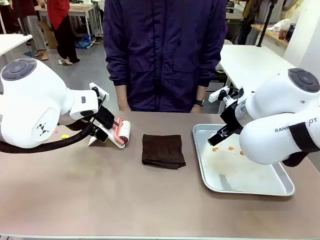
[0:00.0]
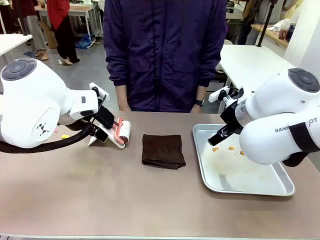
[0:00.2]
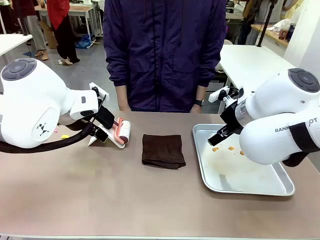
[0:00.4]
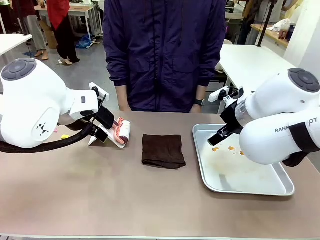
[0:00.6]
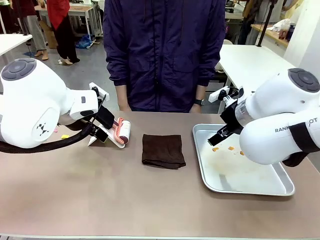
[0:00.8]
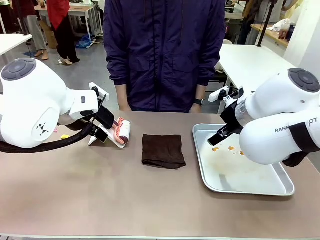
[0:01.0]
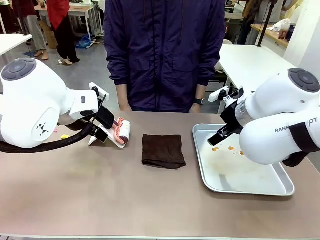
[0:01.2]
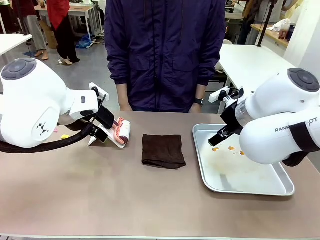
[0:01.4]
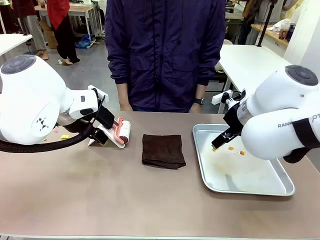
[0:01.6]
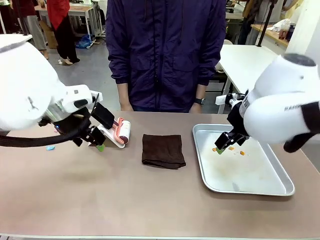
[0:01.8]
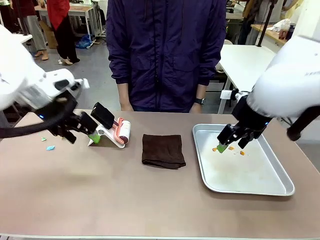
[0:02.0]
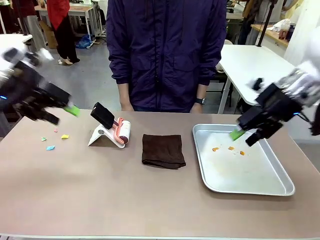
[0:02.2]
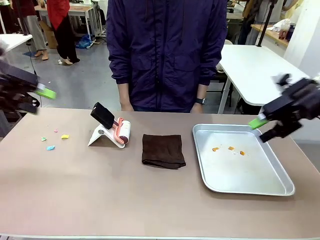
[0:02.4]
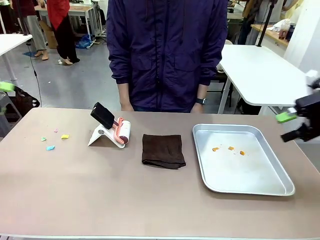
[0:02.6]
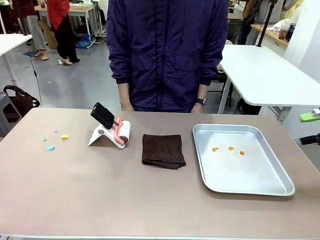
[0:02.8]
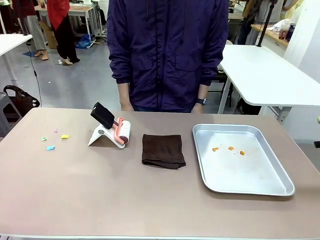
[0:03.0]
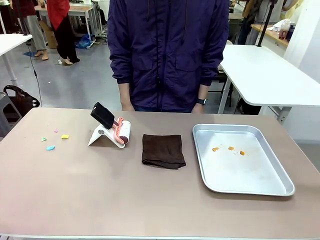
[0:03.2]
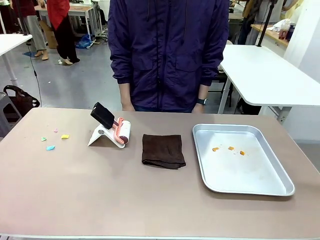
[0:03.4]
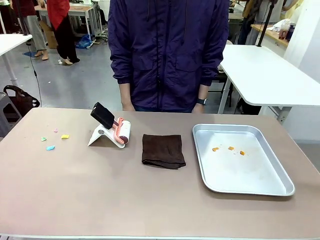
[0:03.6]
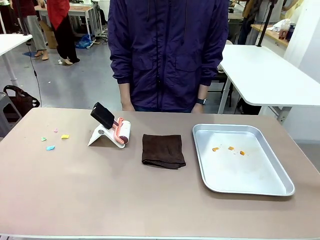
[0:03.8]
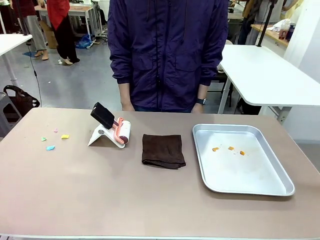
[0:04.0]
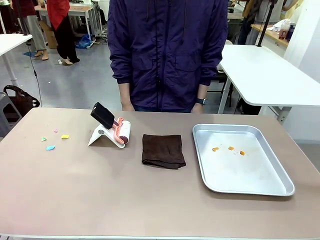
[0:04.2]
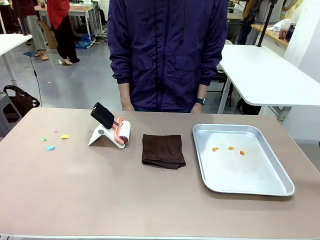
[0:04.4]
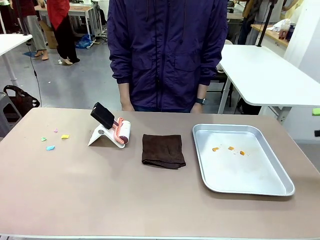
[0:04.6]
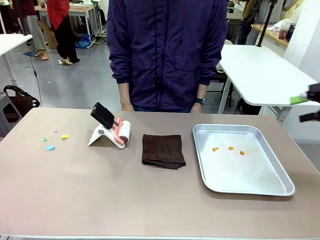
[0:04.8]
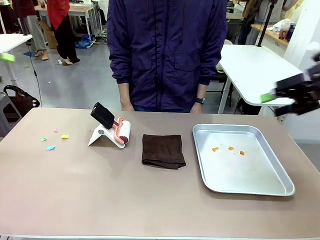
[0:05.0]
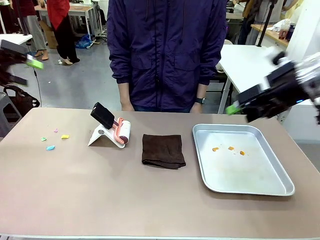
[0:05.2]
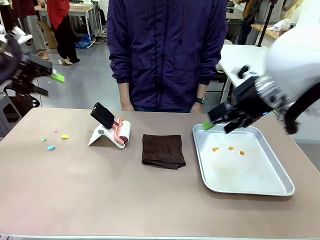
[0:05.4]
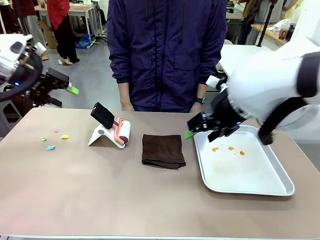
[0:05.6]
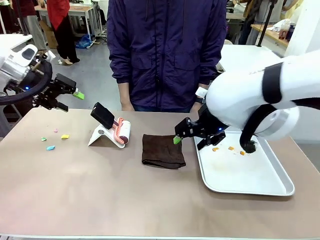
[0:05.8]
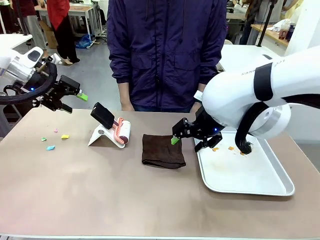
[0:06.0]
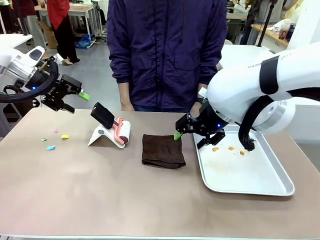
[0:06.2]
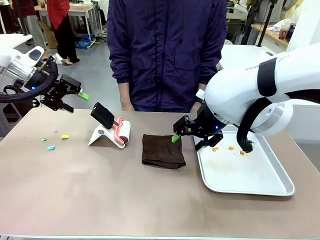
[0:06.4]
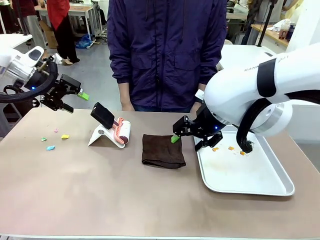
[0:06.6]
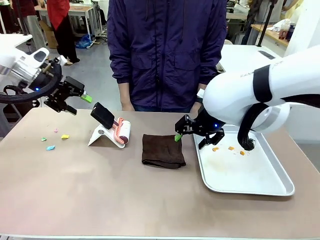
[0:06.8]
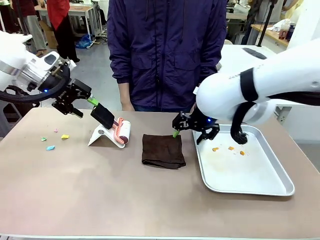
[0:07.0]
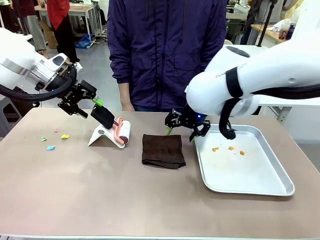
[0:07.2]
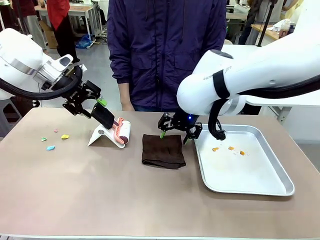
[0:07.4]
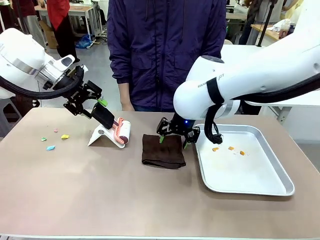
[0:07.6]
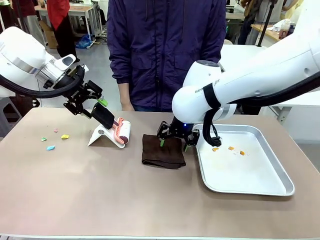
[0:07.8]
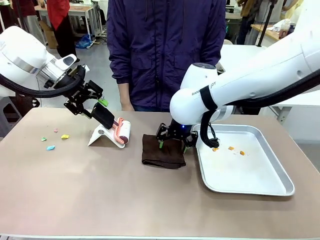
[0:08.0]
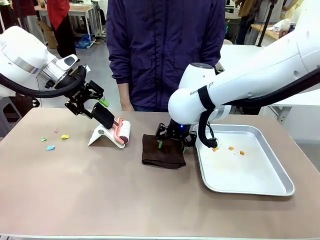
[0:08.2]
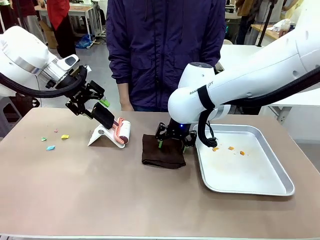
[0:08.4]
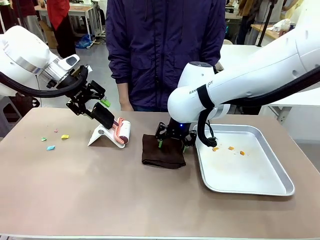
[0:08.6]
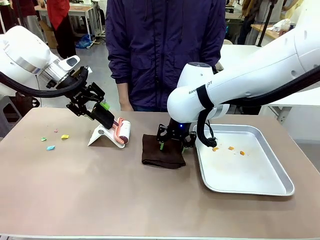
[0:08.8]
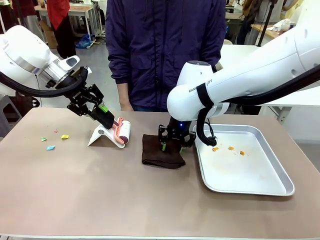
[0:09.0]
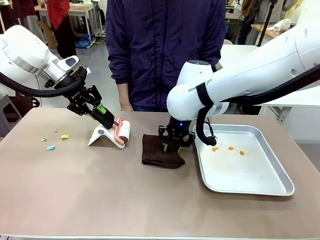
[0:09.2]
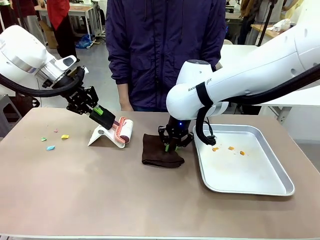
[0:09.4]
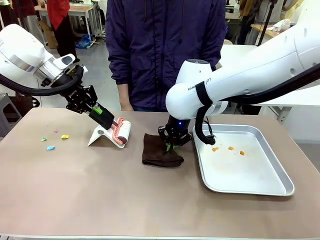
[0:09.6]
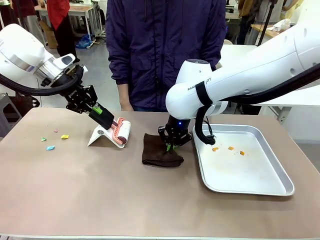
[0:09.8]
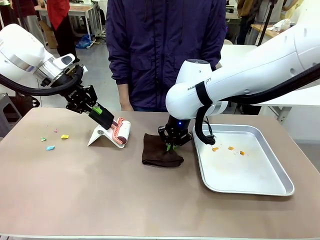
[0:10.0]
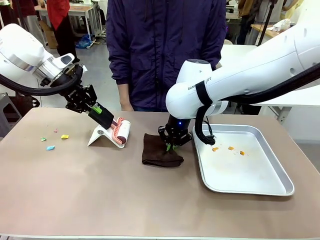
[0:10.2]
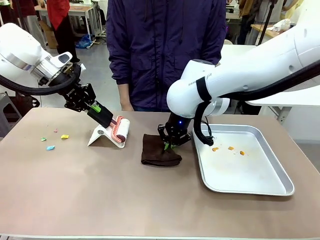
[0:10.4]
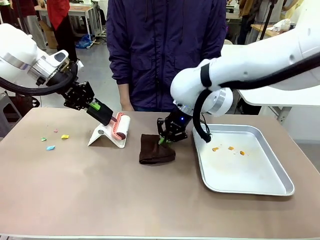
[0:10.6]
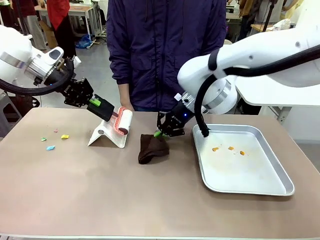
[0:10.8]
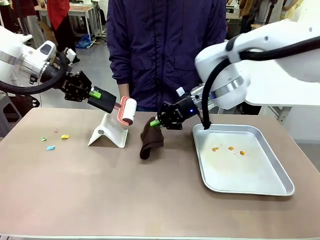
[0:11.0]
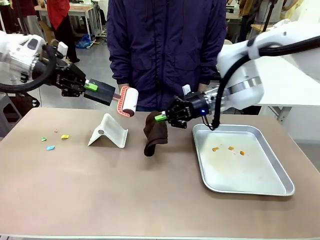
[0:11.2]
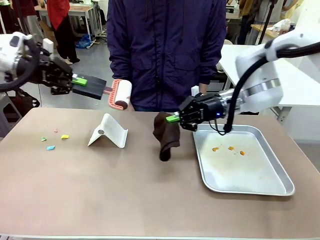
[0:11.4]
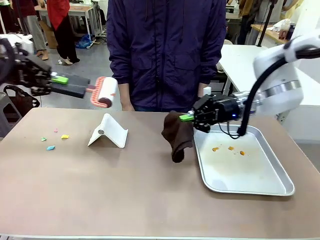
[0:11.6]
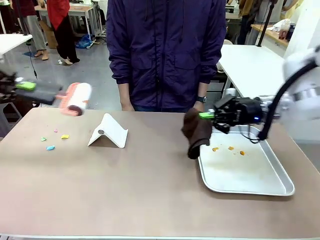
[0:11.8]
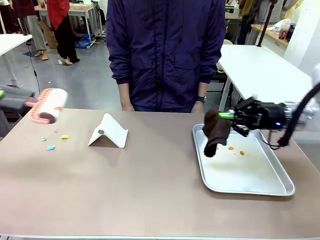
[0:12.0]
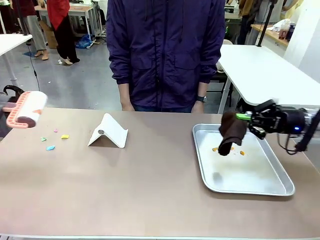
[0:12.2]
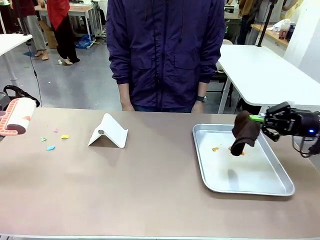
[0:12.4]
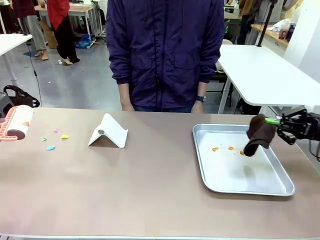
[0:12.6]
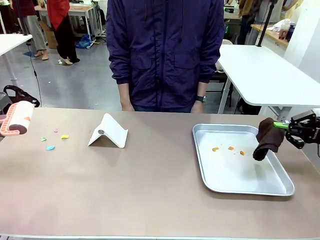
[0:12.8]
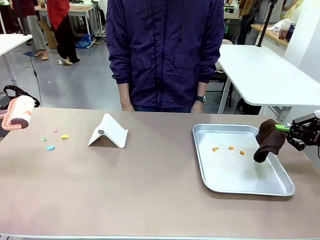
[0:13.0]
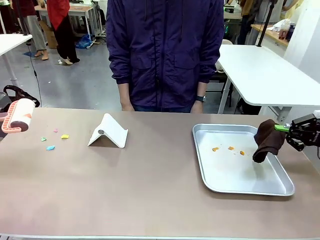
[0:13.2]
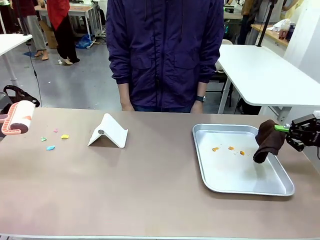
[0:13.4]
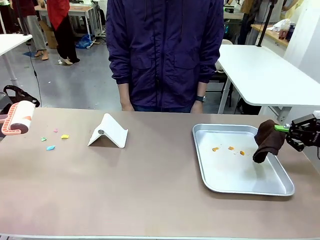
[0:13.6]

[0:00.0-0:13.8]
Task: Clean the surface of the table.
Robot: Hold the Lint Roller with your left hand and the towel with your right hand.

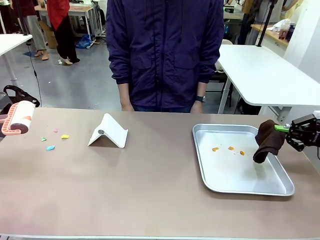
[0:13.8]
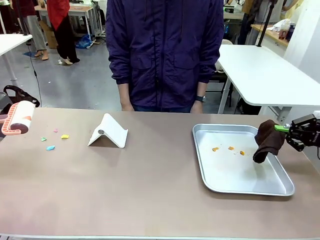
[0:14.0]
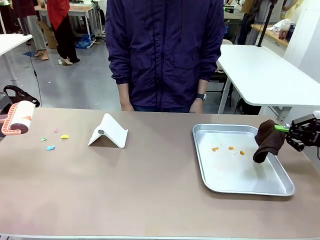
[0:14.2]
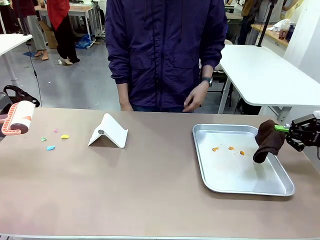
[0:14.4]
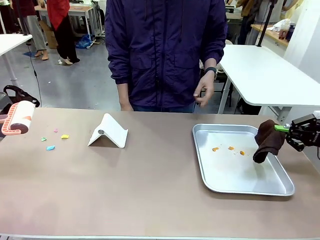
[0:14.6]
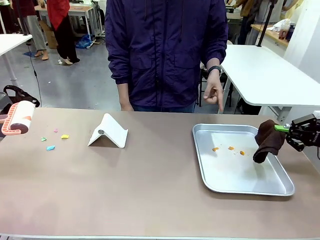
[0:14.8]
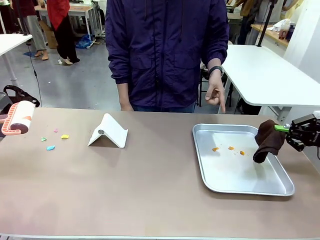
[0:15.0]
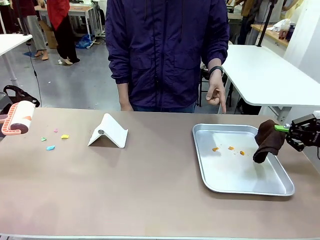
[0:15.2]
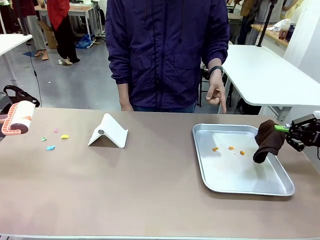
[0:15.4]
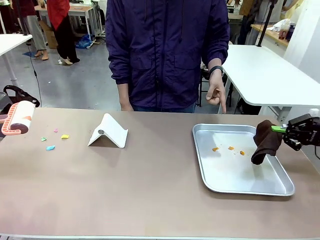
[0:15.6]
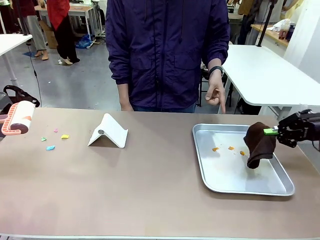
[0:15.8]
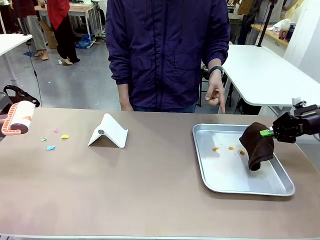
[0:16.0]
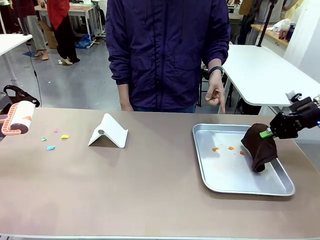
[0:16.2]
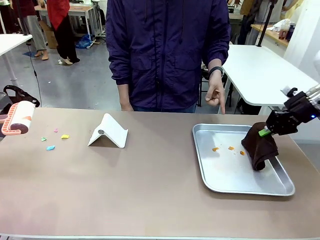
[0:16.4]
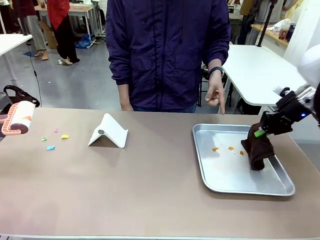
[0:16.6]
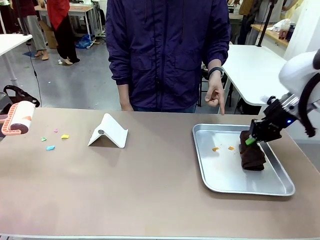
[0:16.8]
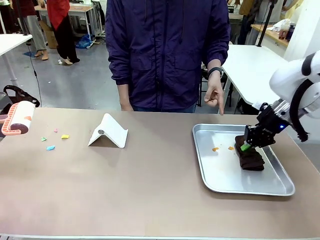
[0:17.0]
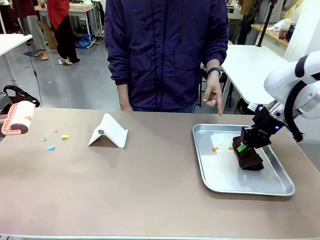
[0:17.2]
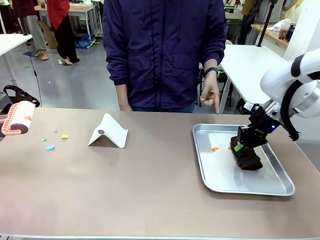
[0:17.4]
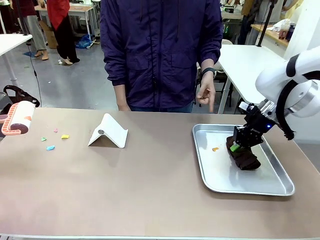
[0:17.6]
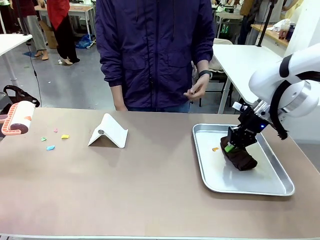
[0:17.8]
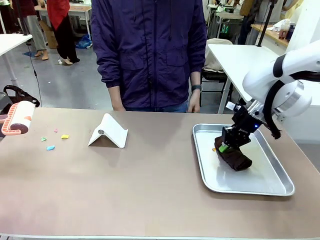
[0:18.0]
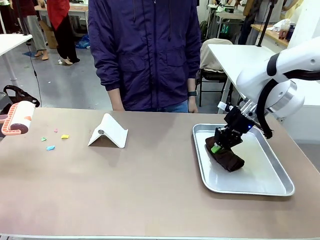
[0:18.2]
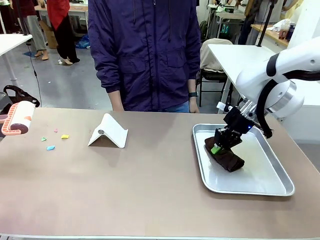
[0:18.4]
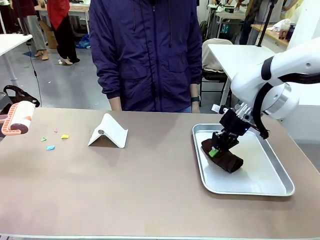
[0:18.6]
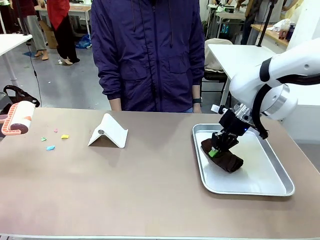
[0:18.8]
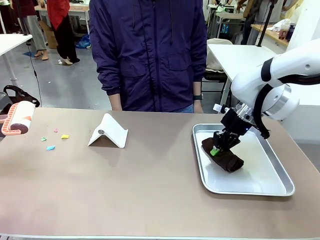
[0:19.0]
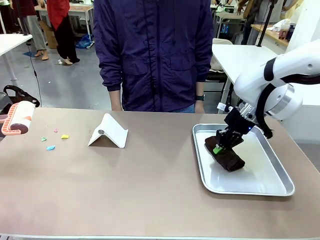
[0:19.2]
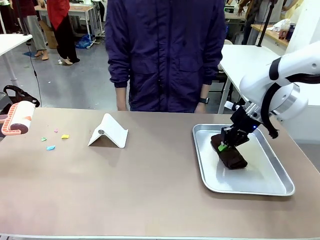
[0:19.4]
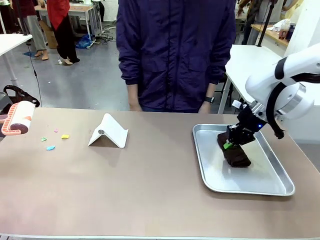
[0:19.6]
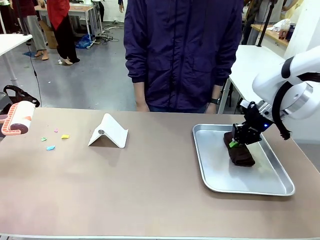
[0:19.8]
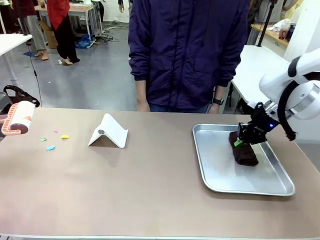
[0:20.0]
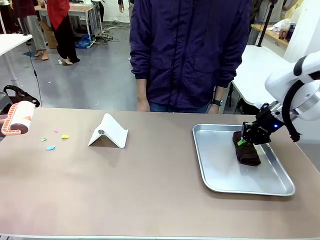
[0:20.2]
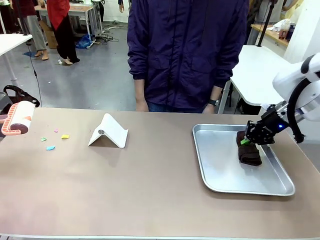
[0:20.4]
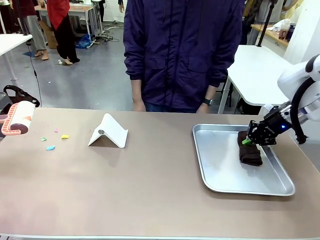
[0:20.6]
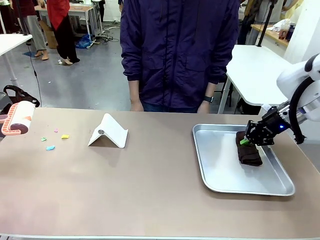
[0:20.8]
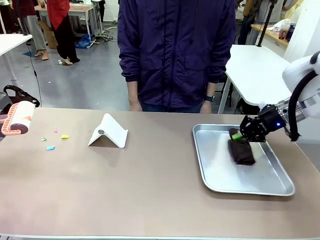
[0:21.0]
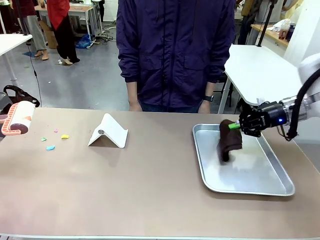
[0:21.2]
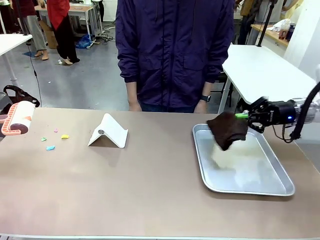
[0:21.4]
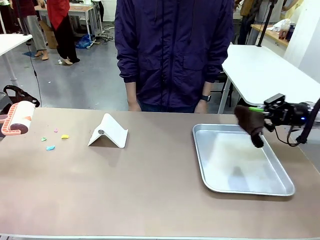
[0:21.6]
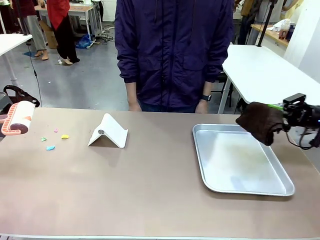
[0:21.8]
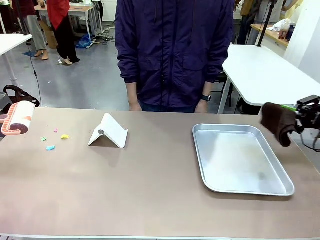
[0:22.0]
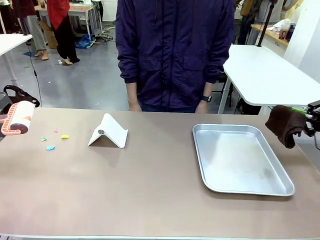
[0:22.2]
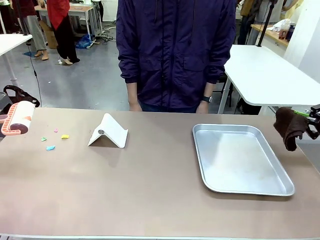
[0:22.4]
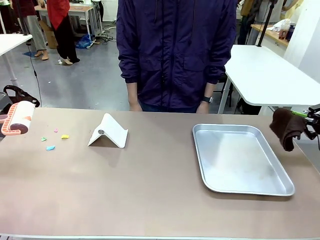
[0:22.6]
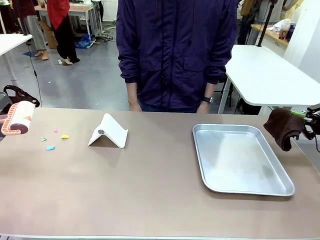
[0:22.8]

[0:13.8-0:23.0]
Robot: If a person points to the right, clean the right side of the table with your right hand, and if they point to the left, clean the left side with your left hand.
